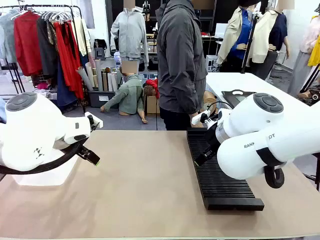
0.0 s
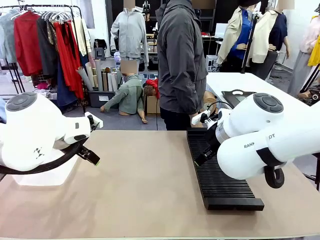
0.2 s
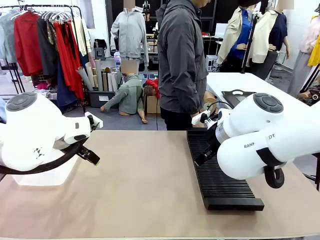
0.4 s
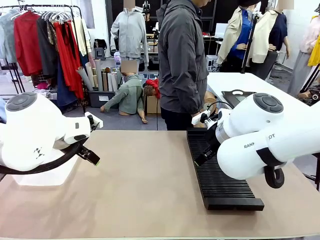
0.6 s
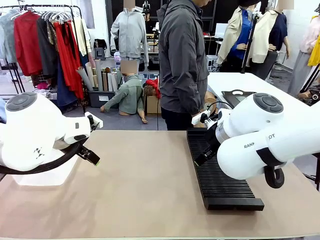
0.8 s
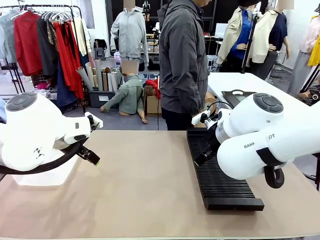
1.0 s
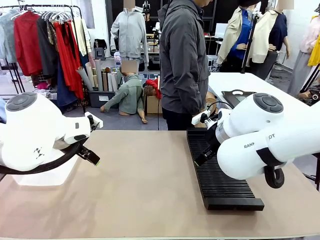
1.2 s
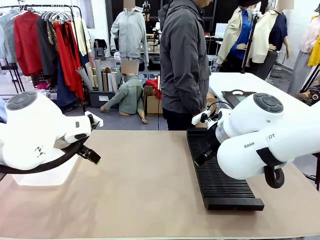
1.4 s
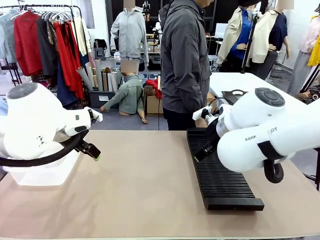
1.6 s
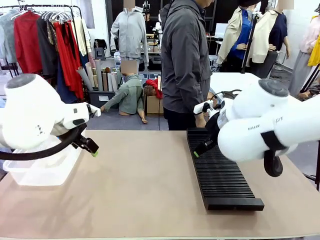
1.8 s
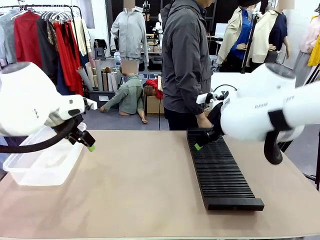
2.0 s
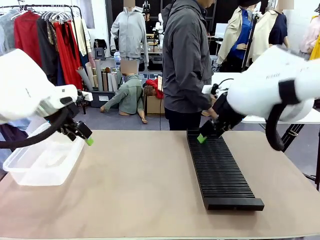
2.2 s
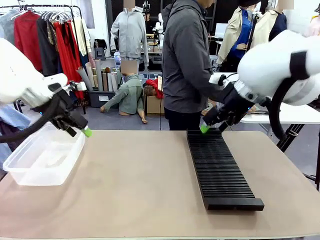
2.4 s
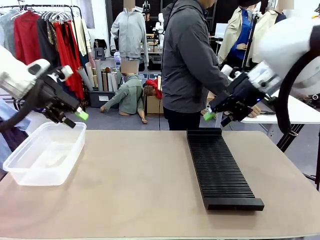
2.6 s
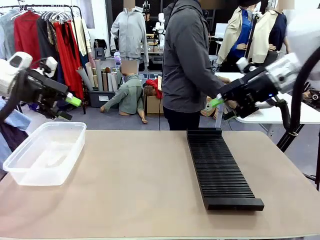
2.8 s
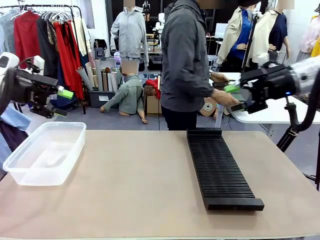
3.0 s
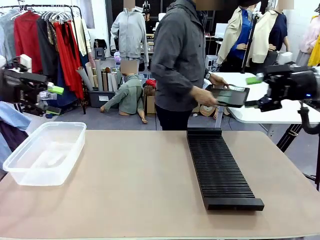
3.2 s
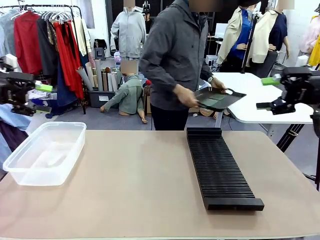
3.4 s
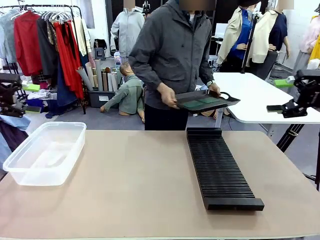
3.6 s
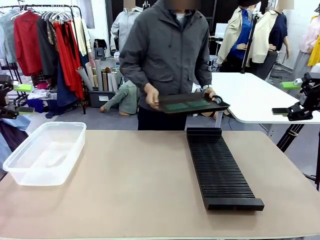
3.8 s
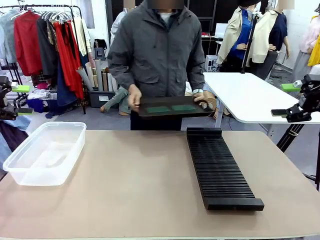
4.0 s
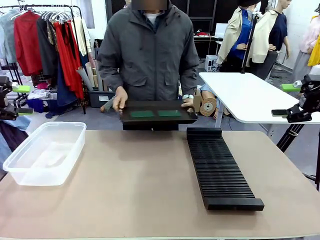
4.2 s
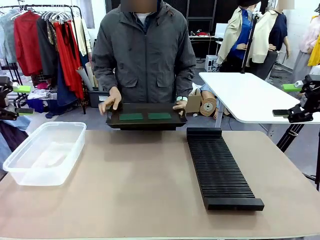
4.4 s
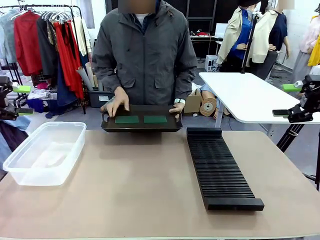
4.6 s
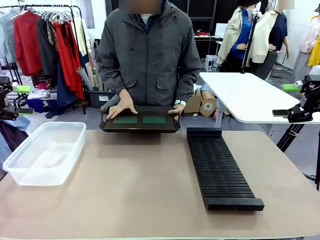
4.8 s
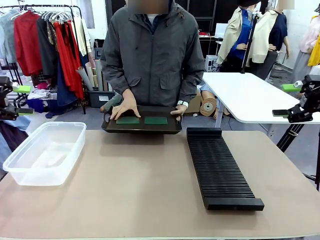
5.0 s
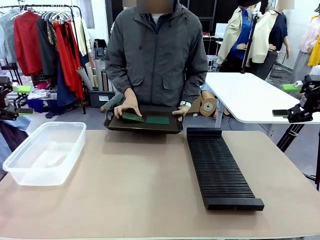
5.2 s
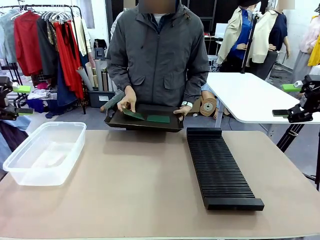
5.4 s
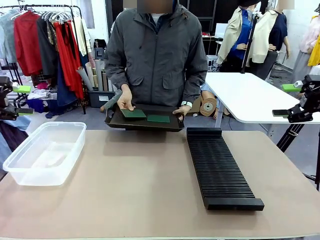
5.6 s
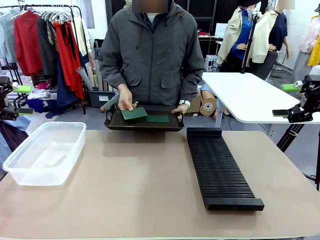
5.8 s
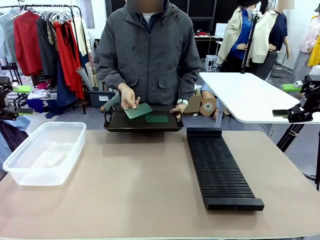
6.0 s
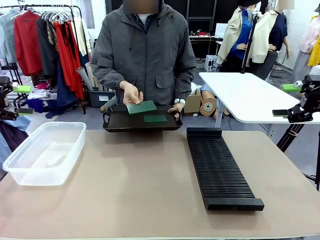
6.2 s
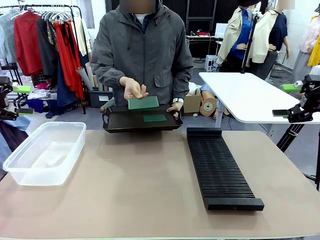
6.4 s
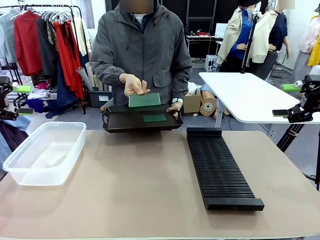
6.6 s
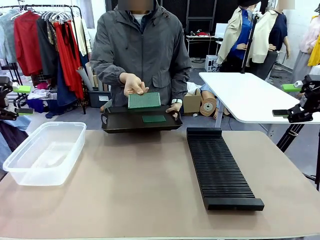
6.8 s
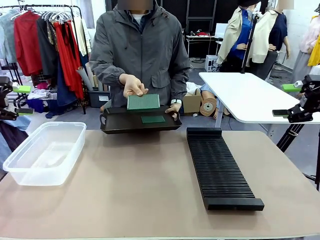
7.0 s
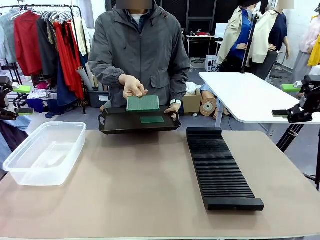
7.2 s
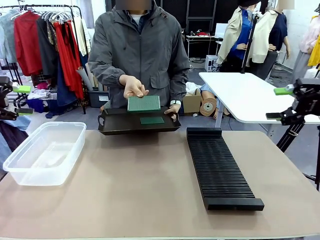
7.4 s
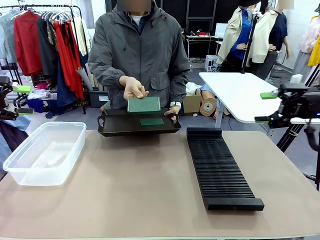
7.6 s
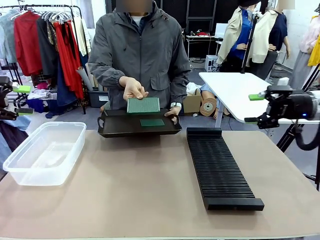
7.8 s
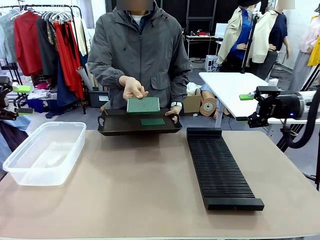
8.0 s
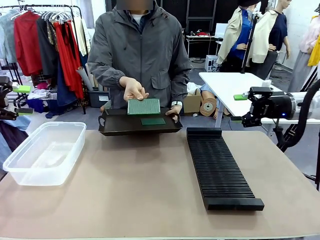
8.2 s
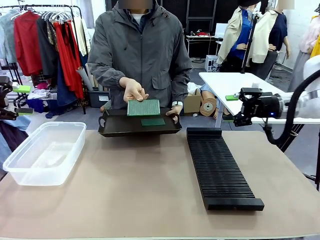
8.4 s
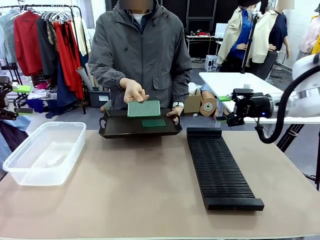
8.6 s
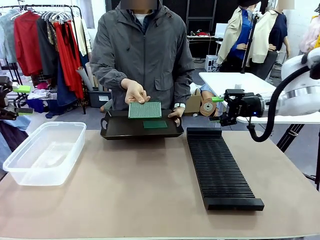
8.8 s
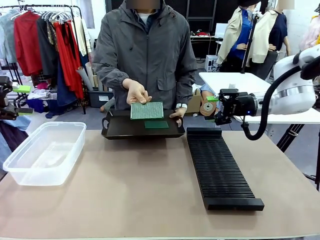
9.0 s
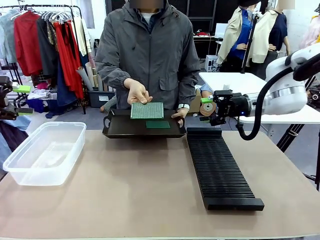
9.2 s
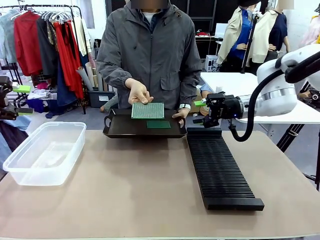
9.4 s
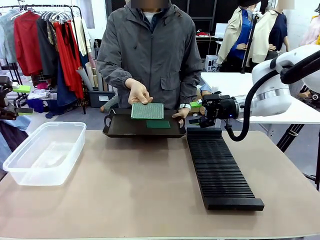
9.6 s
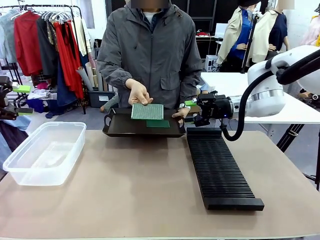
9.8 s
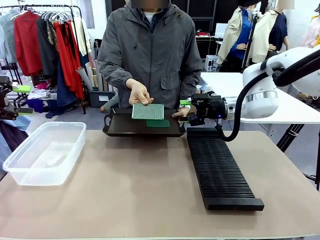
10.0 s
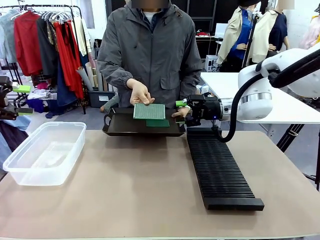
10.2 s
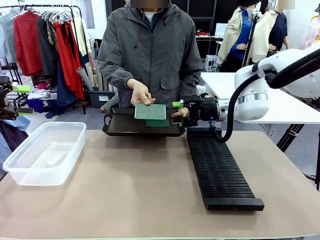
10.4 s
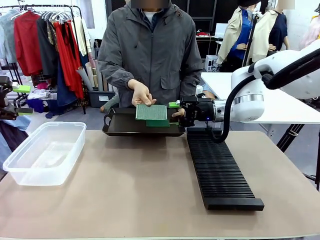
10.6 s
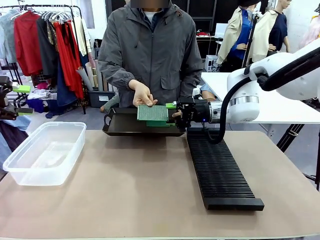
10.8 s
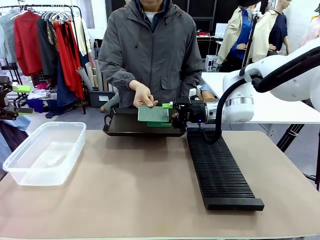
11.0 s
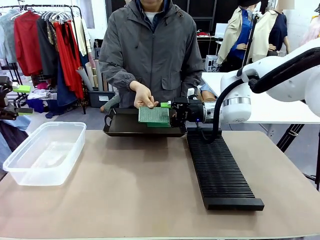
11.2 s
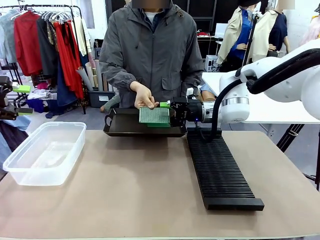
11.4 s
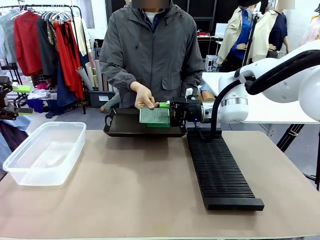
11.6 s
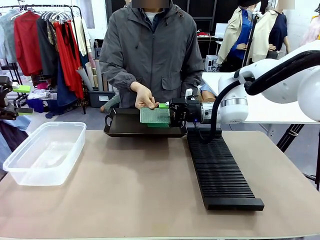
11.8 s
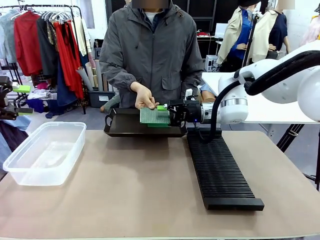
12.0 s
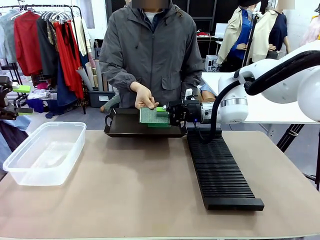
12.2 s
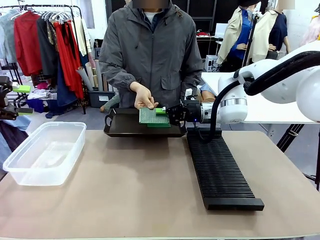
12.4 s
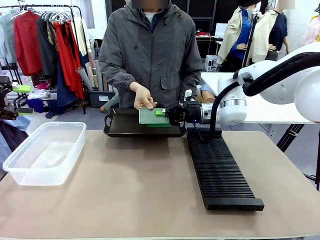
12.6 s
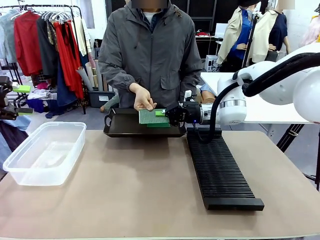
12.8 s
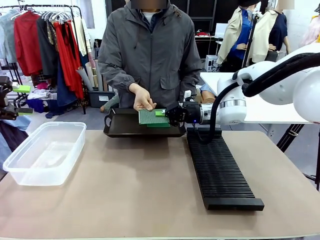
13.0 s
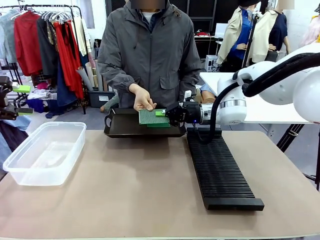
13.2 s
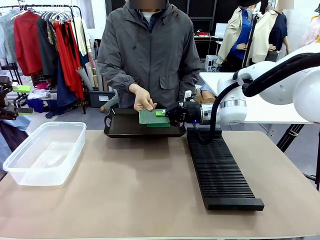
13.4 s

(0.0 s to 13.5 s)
Task: Sort PCBs into racks and boxes based on the side picked up.
Robot: Pick up the Blank PCB handed by the Human.
Person: Pick one PCB from the tray and present it to the robot. Release the PCB being held.
